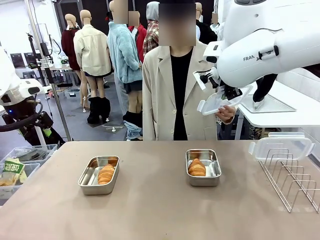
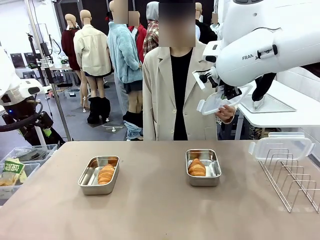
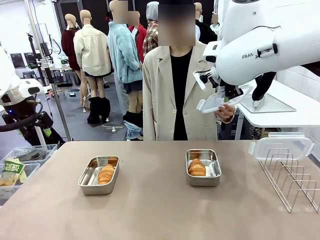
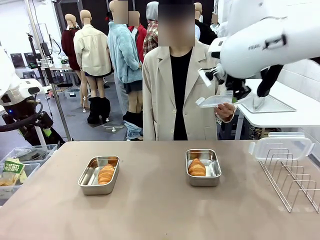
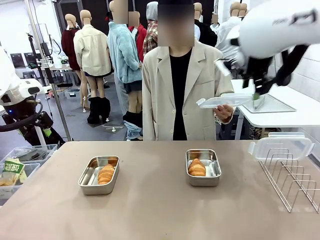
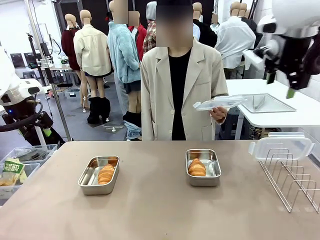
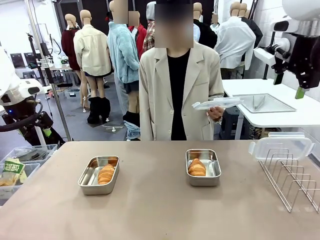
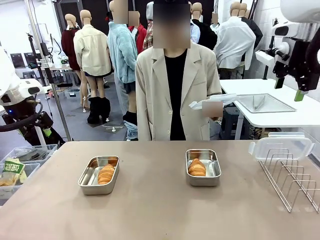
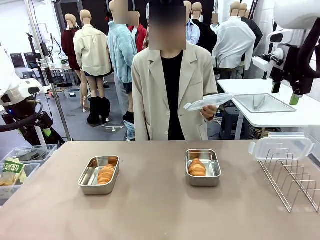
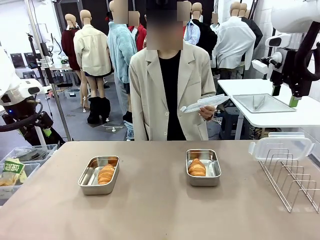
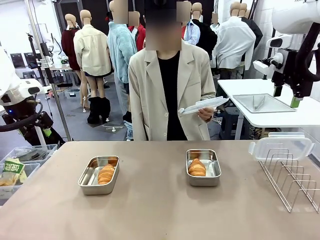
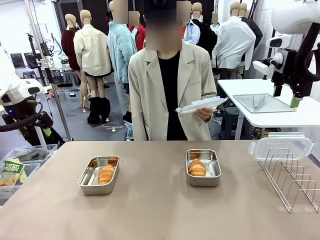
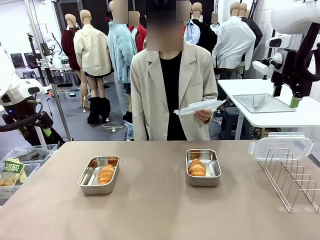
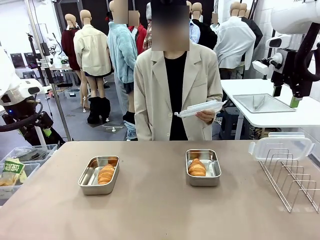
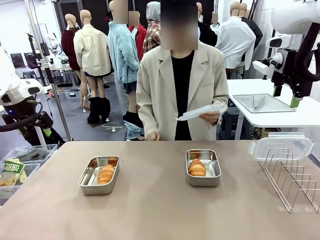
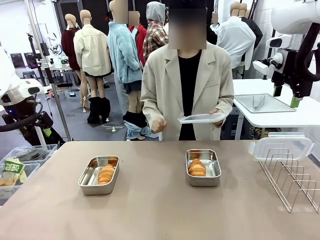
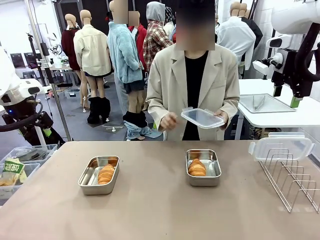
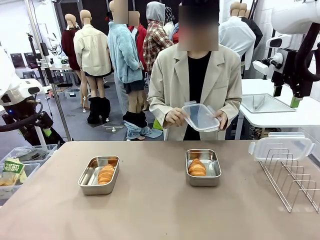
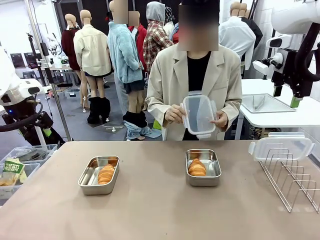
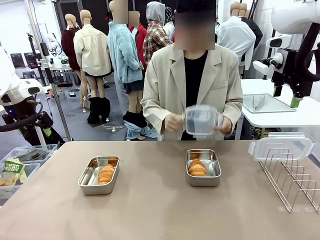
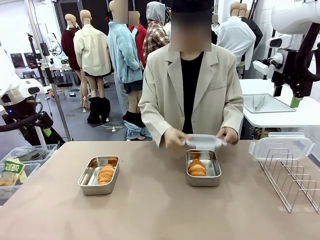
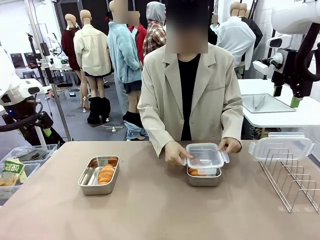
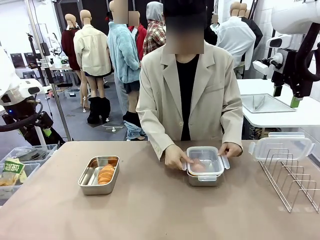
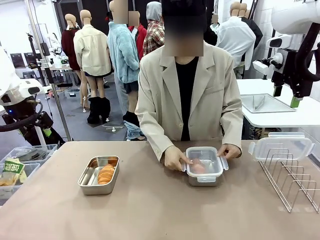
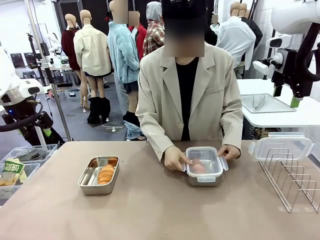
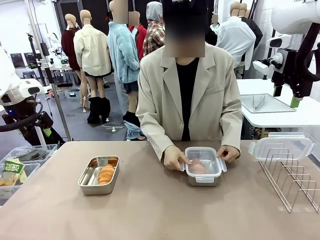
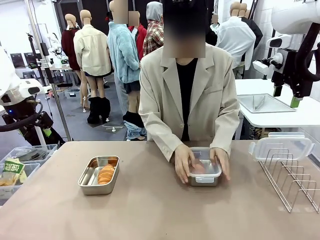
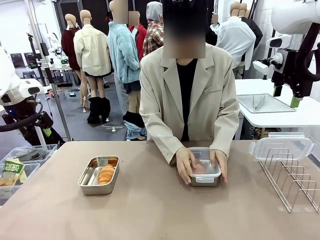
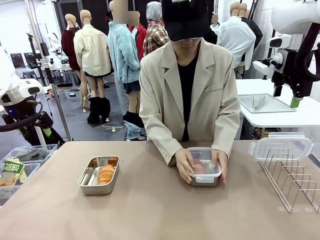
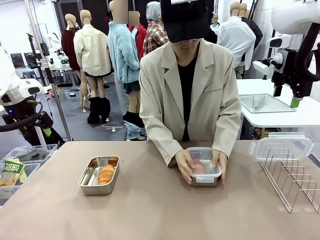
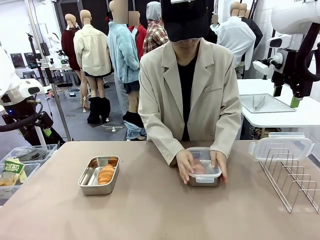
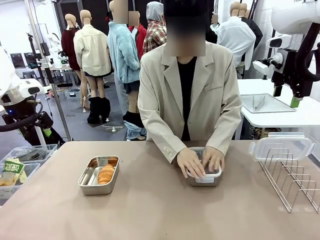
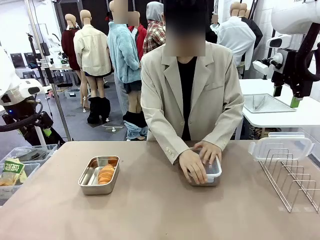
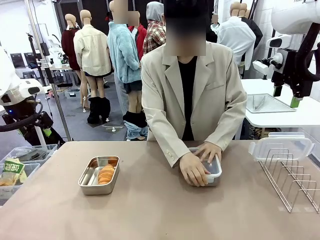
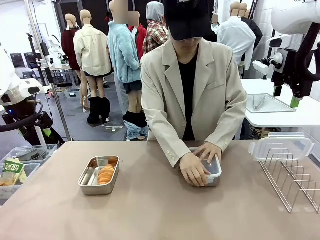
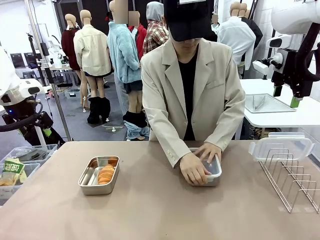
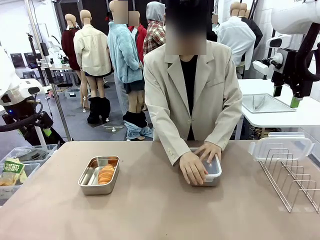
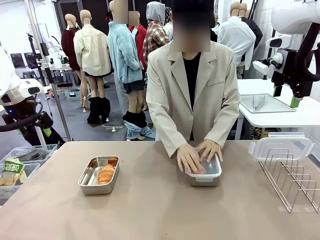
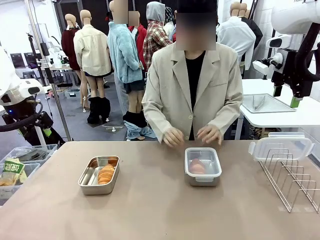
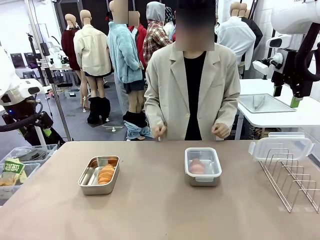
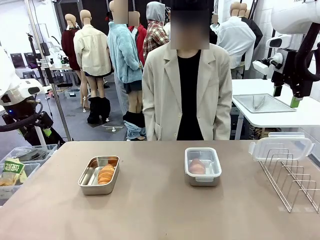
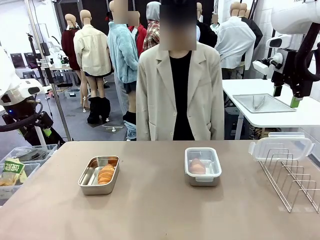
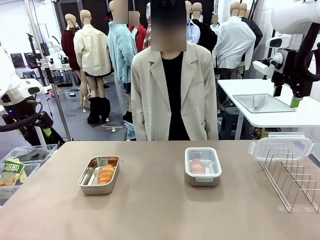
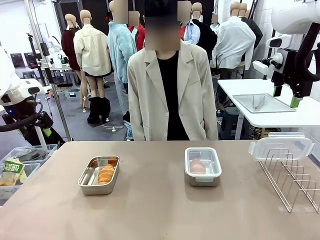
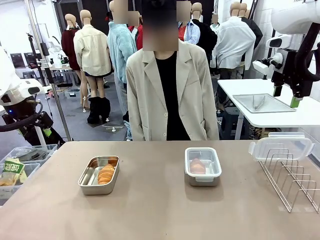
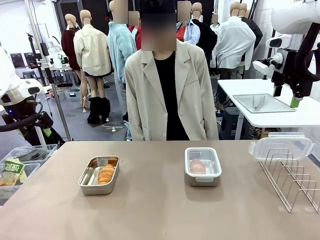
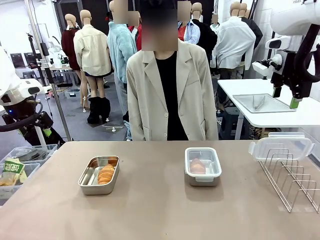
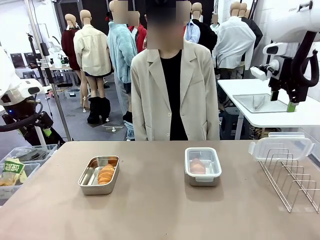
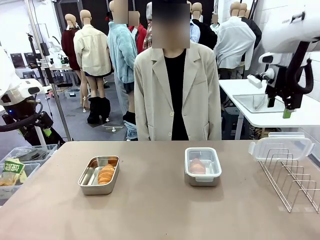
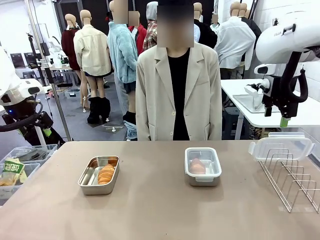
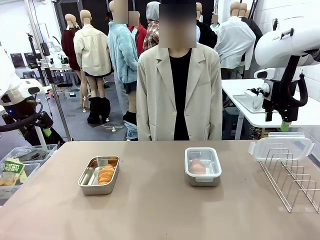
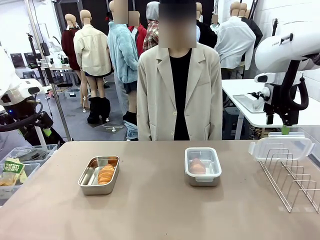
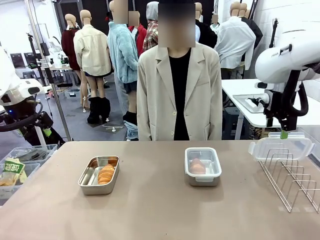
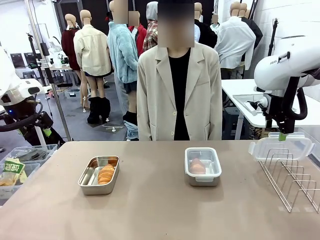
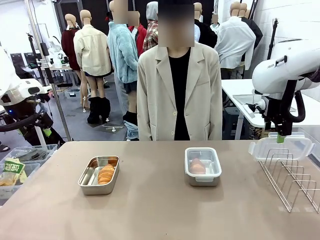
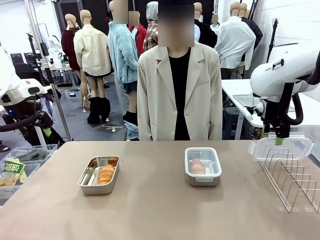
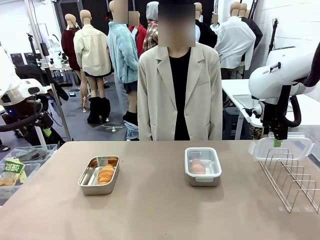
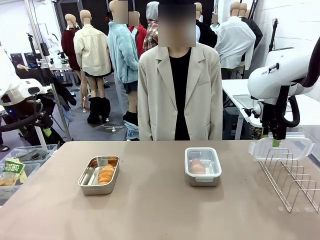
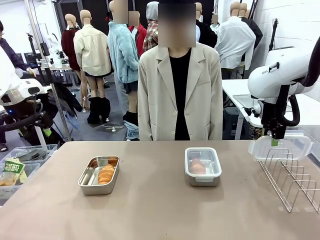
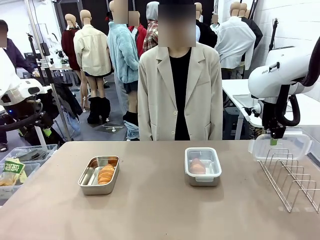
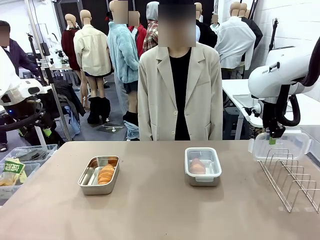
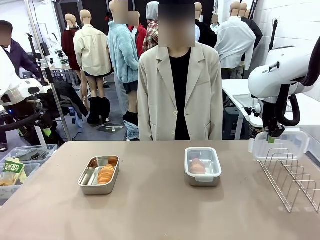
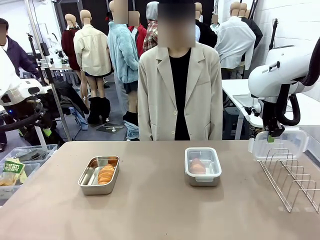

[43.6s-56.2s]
Task: Place the bread in airtight containers.
Robot: Pick up one Airtight Container lid and hand it to the human.
Person: Close Airtight Container with a handed Airtight Container lid.

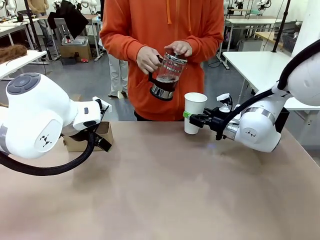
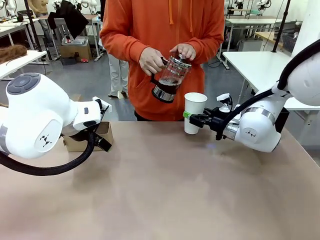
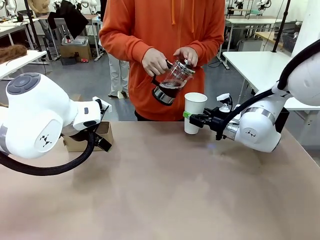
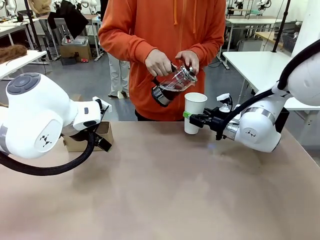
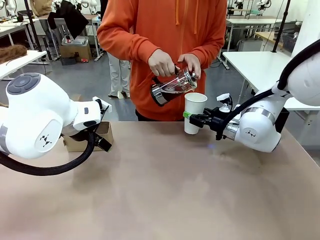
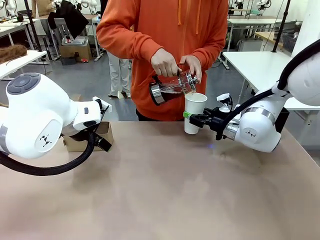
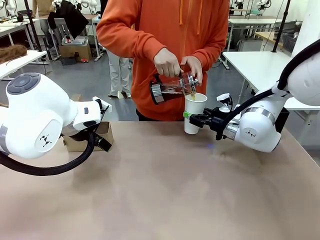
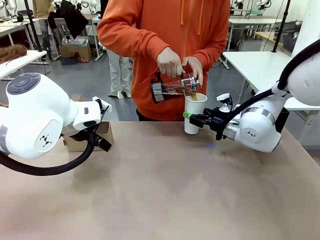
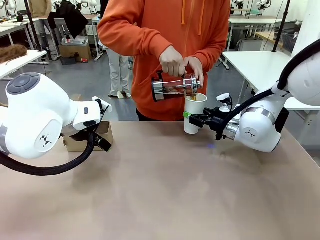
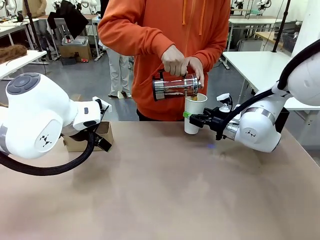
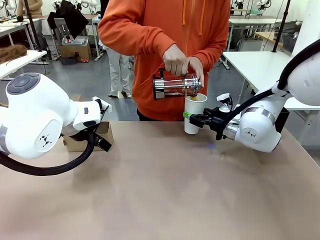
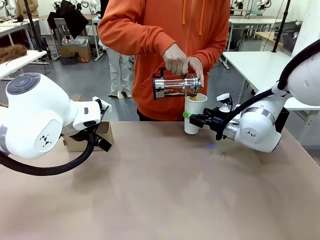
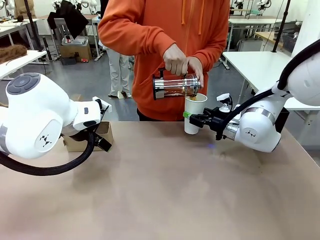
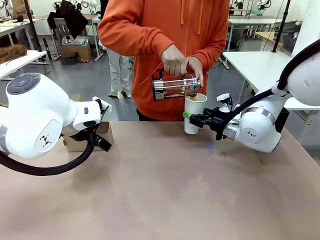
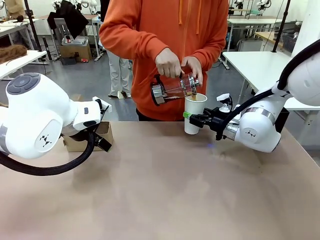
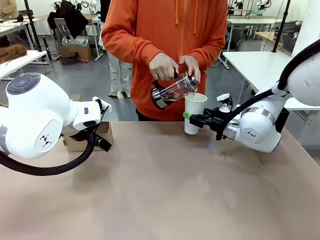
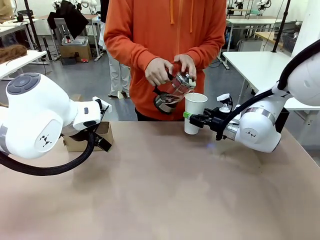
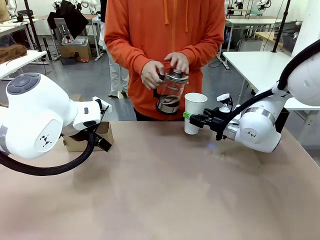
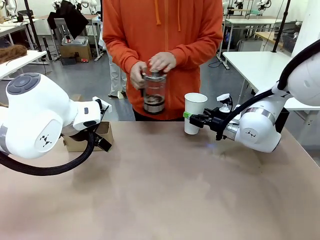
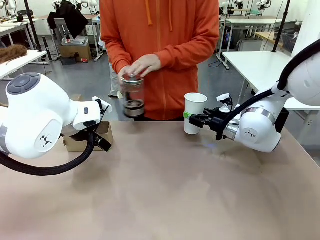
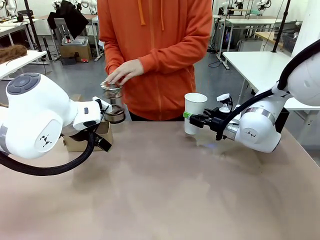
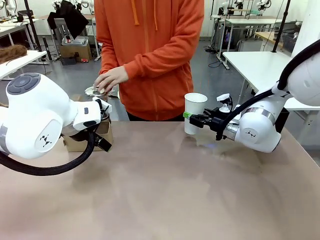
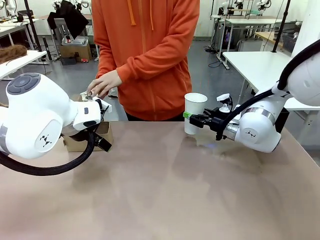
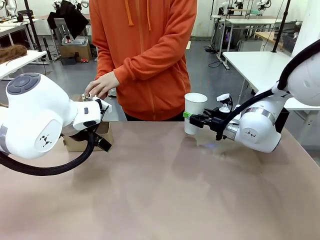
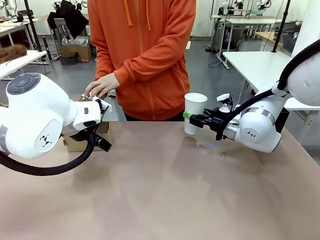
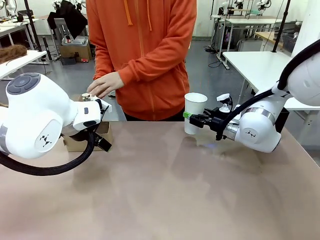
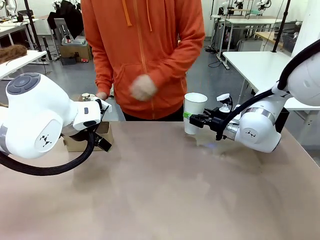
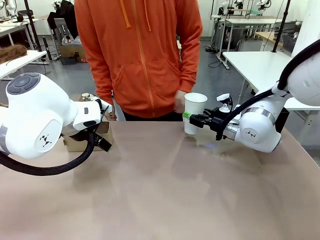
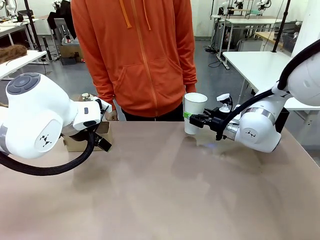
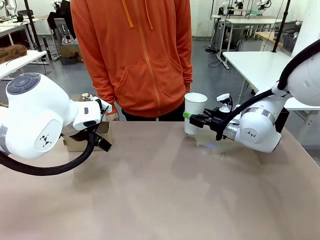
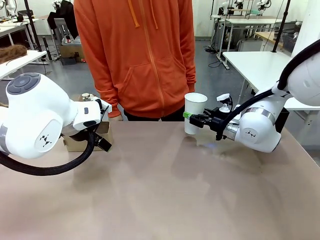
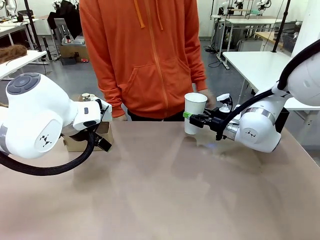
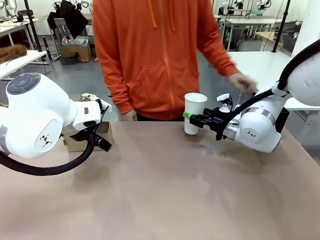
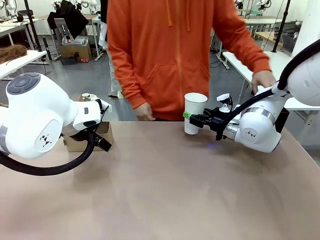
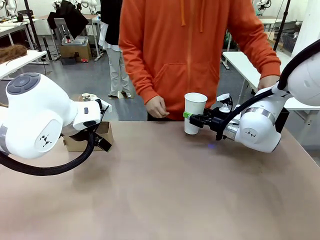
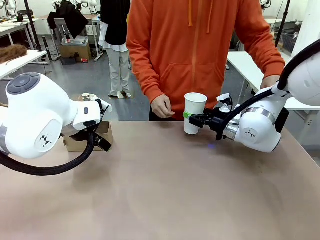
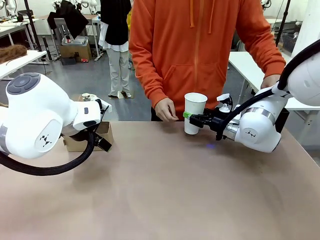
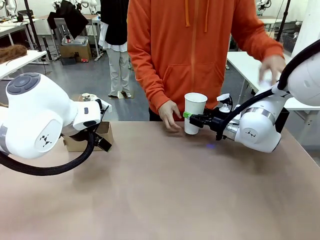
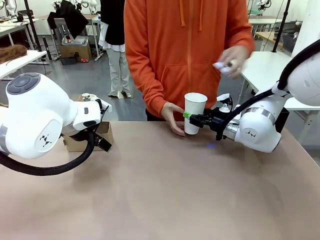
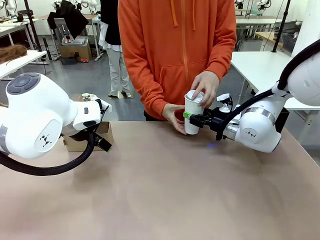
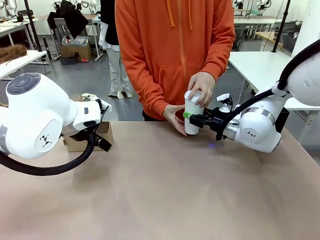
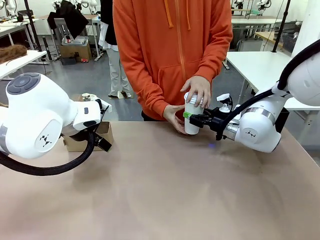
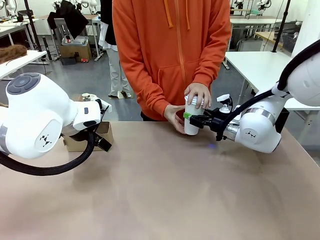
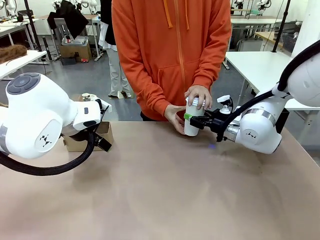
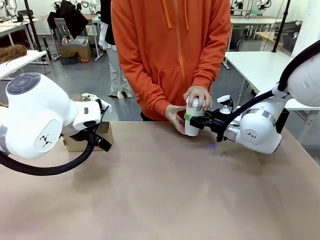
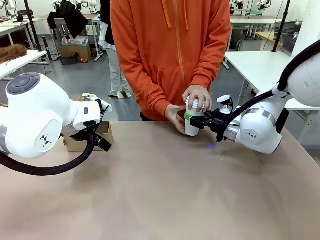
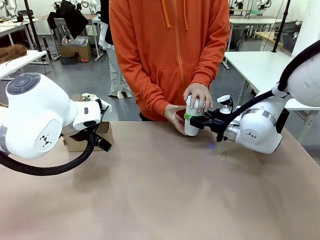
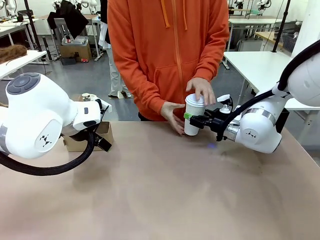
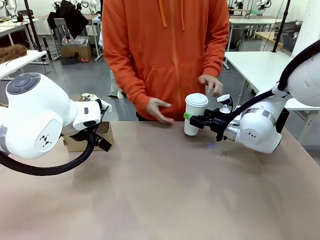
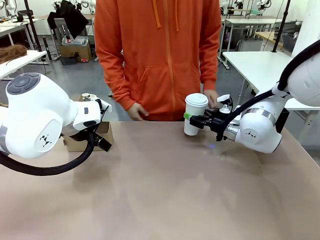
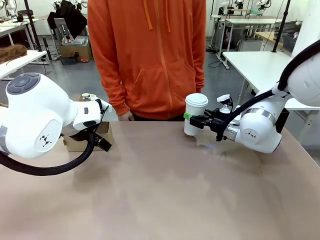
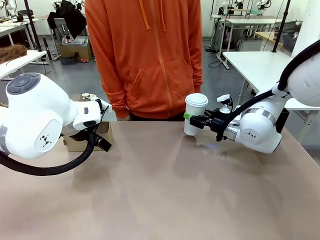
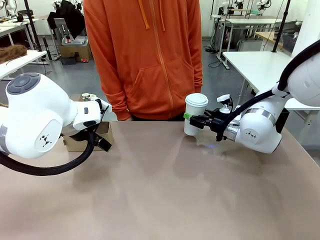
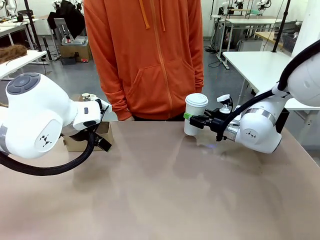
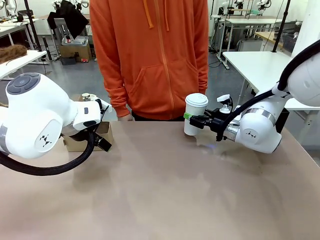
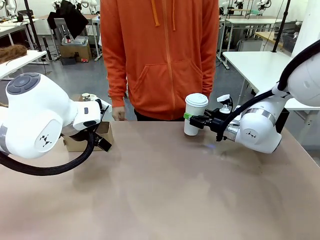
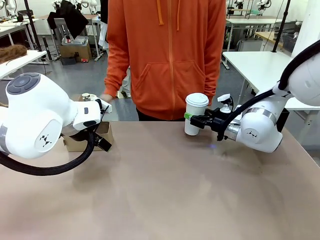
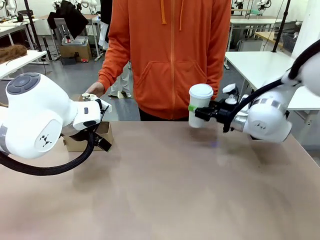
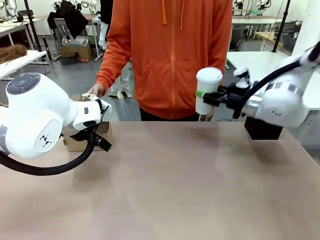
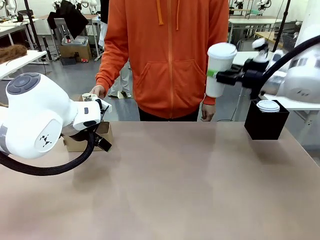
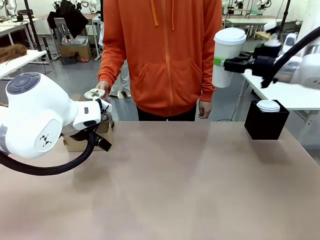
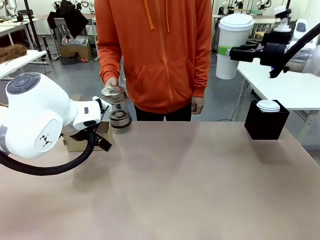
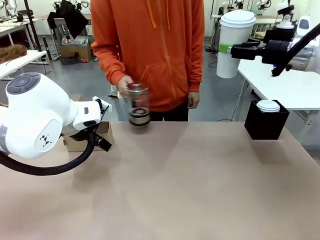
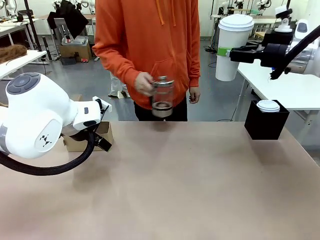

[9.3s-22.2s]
Task: Pour a drink into a cup and package it in a carrier.
Robot: When a person places the Paper Cup Lid on the 600 ml Paper Cup , lift the 600 ml Paper Cup.
Person: Pour the drink from the Filter Brewing into the 600 ml Paper Cup. Place a Paper Cup Lid on the 600 ml Paper Cup.
